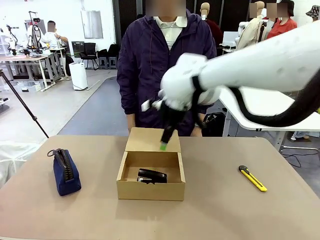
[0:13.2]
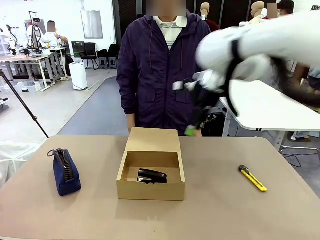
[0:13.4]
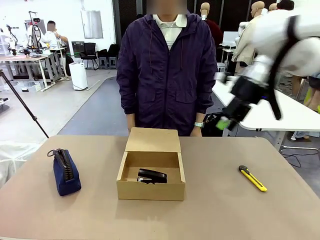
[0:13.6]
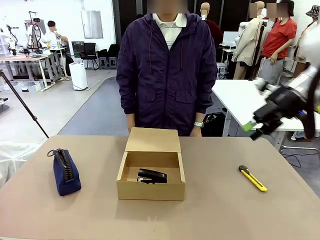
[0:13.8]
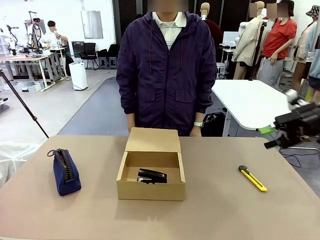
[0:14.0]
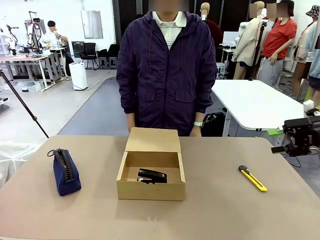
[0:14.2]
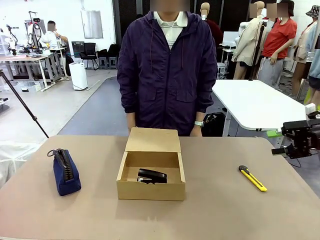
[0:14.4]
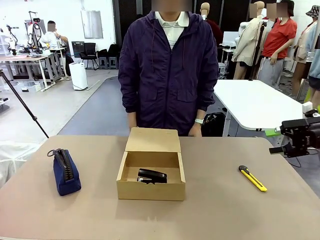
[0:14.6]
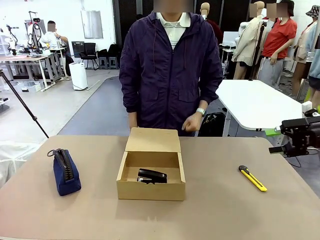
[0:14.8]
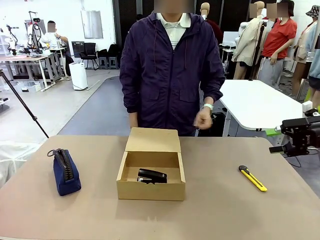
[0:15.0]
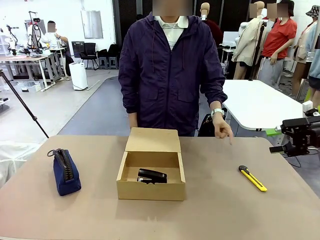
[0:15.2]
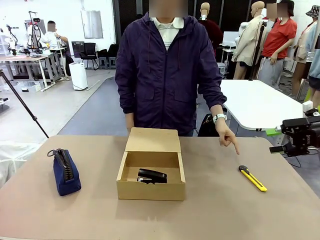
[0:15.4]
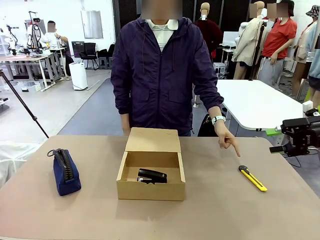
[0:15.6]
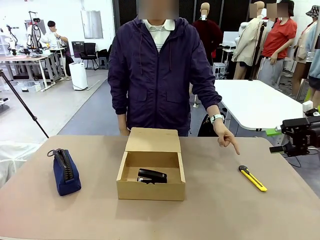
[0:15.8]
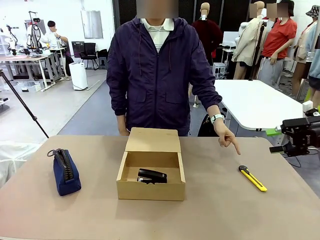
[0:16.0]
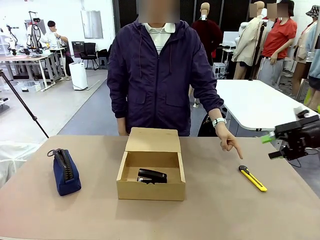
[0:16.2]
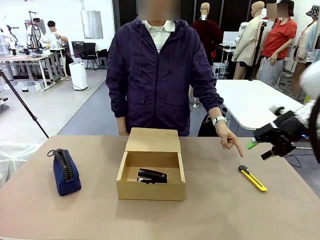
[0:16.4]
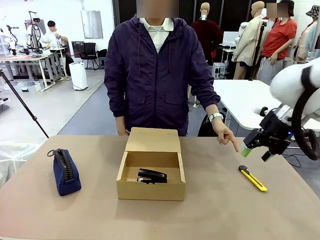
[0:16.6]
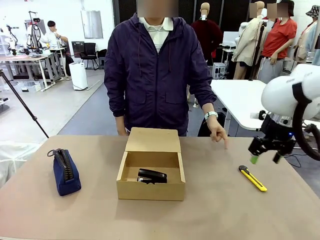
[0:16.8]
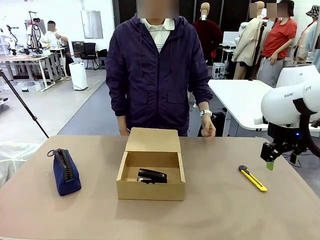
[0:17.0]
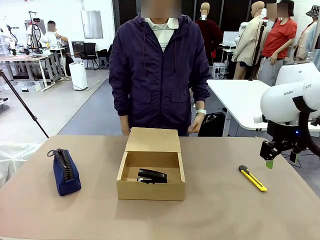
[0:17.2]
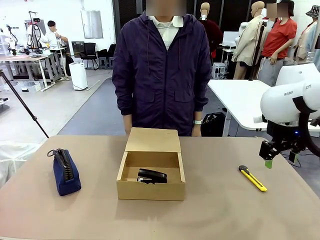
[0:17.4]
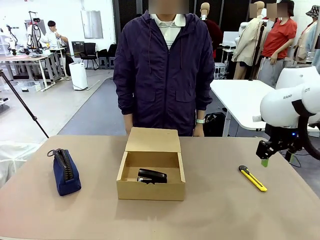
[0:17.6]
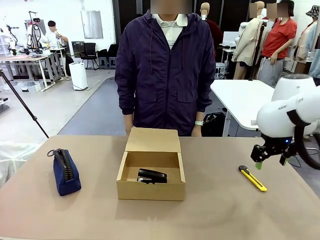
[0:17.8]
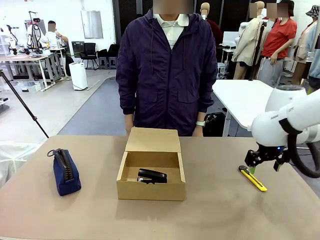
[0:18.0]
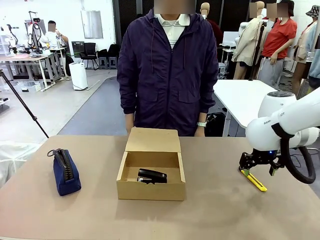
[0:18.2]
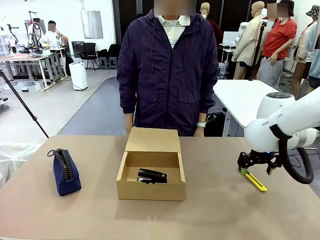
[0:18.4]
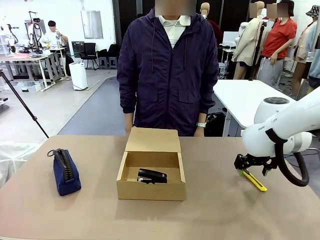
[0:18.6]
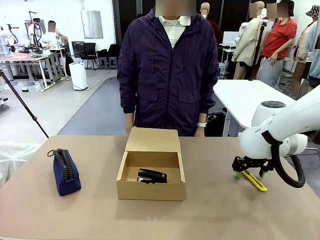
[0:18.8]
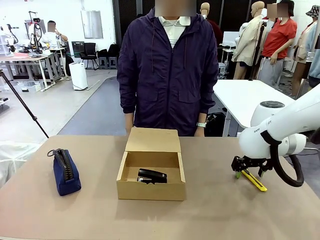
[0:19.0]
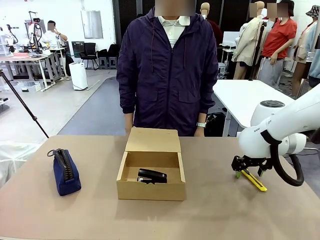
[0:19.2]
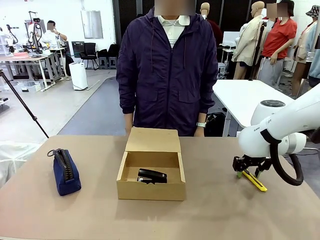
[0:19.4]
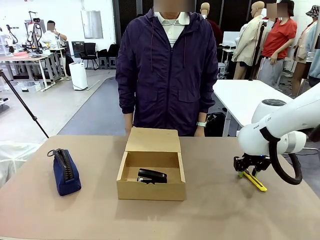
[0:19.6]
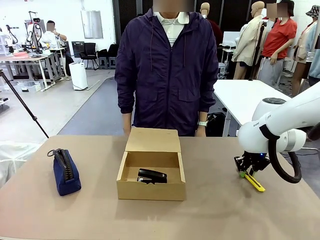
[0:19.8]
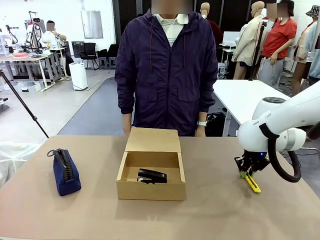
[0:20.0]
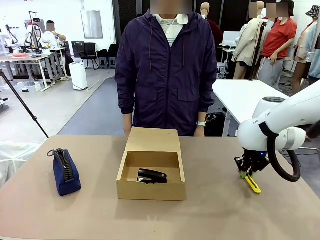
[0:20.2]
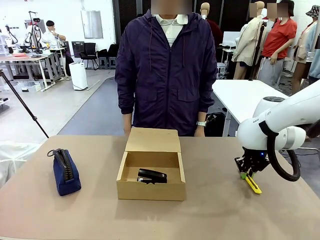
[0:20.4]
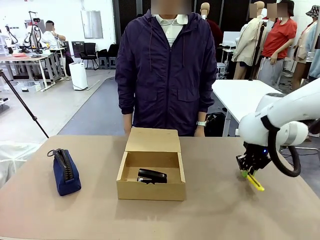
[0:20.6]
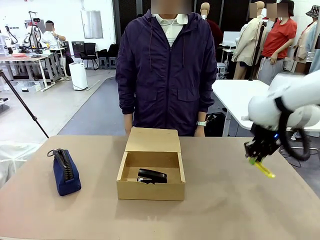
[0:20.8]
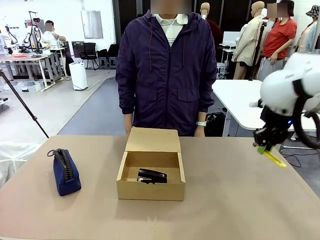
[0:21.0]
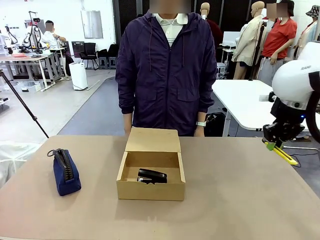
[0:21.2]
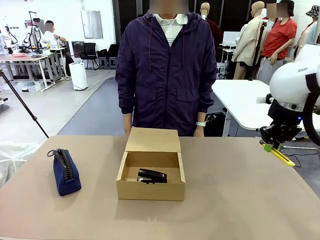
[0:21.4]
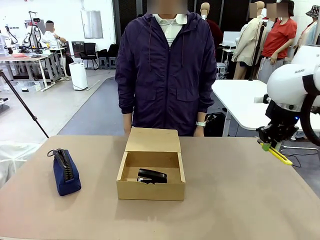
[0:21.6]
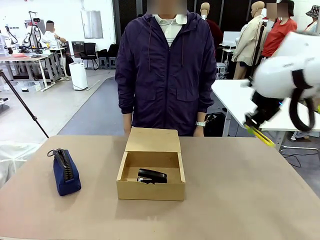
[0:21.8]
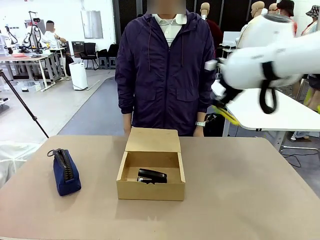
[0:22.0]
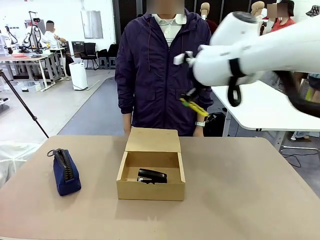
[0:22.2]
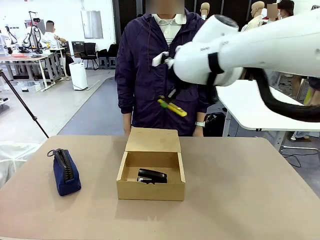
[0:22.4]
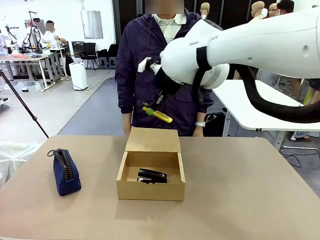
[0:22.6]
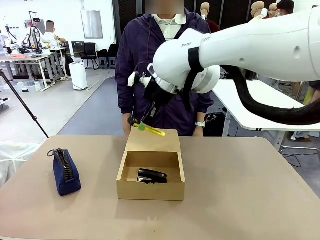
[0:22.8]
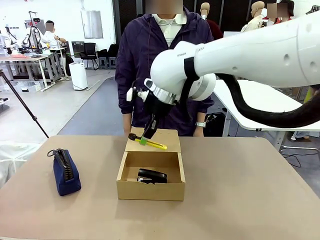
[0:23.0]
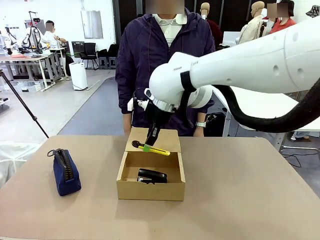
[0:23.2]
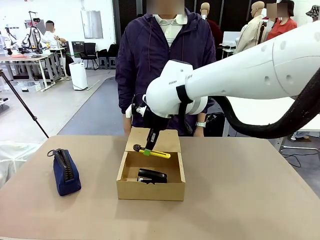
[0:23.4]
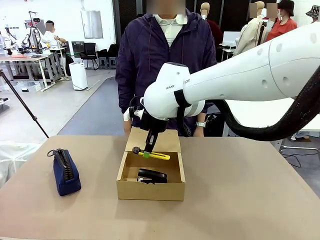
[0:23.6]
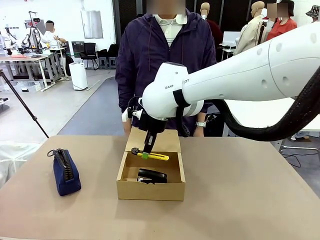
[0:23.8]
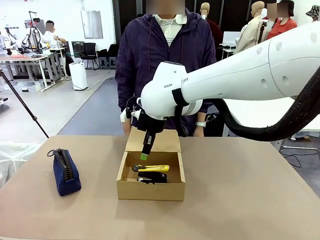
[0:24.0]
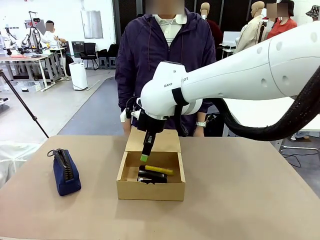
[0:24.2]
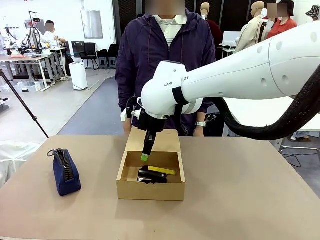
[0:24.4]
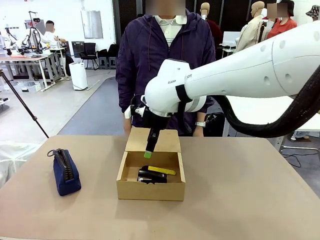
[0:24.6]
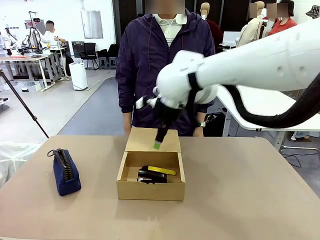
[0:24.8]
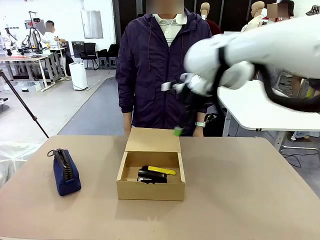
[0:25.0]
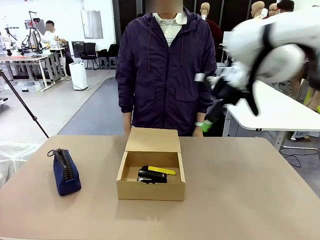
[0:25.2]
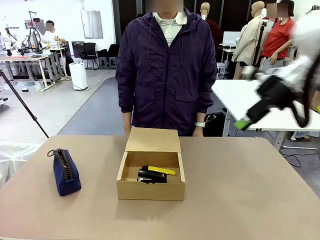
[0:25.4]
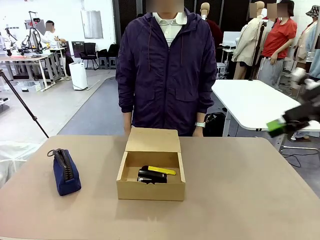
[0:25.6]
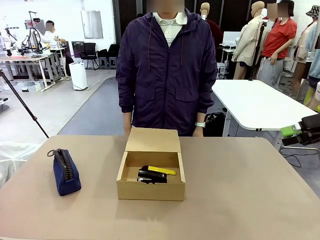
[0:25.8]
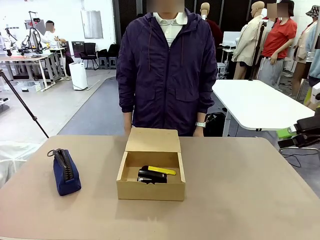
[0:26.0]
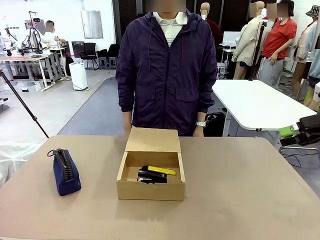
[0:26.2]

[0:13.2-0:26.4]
Task: Pack the items into the box.
Robot: Pick up the item specified by the human and place it in the Mailer Box.
Person: Lower both hands vertically with palms facing downward, as if pressing something closed.

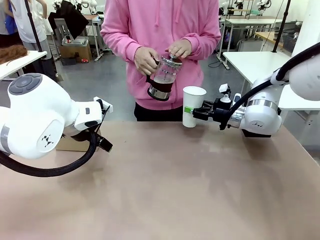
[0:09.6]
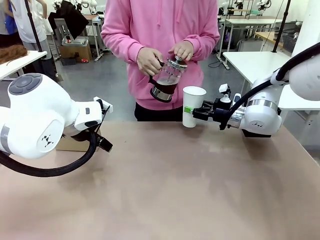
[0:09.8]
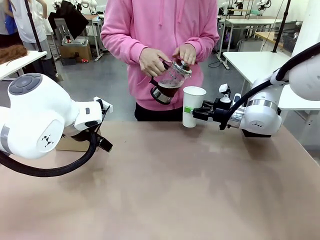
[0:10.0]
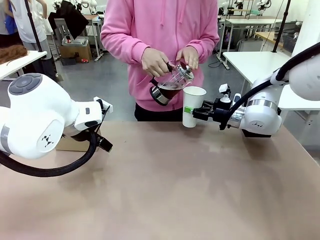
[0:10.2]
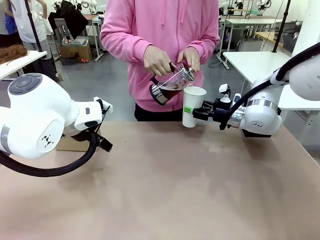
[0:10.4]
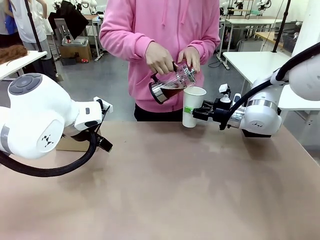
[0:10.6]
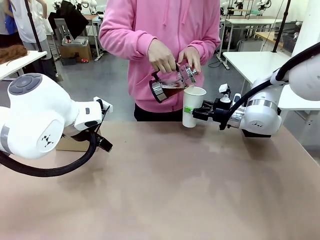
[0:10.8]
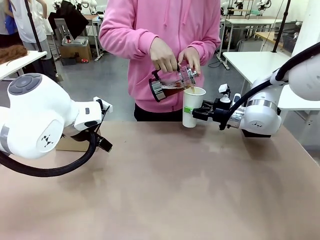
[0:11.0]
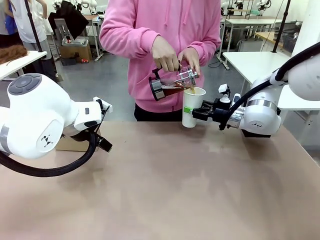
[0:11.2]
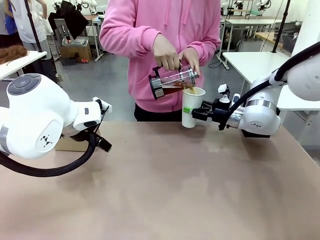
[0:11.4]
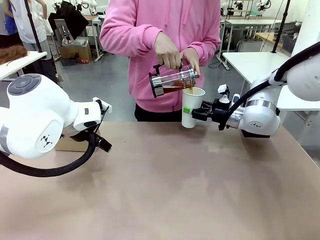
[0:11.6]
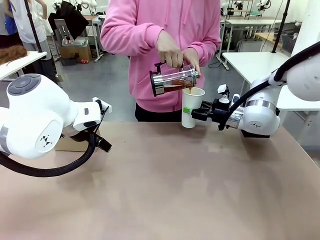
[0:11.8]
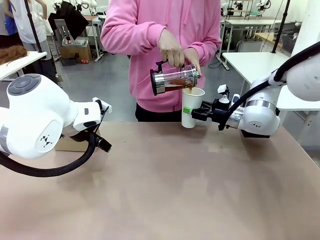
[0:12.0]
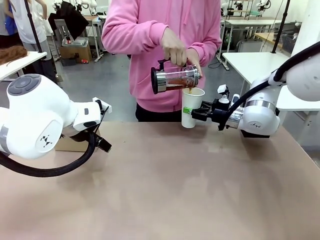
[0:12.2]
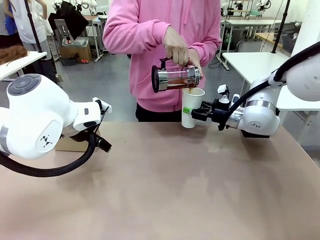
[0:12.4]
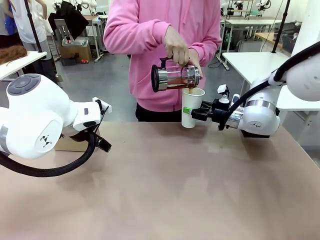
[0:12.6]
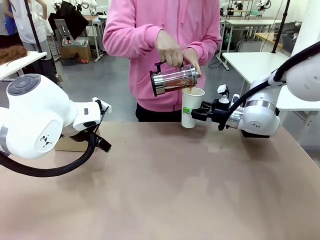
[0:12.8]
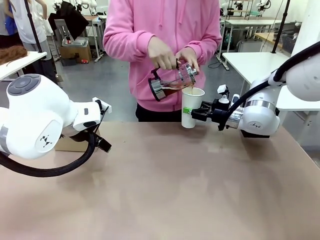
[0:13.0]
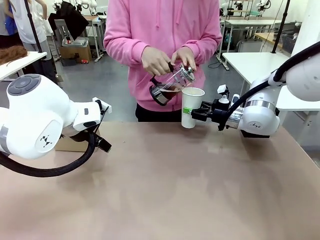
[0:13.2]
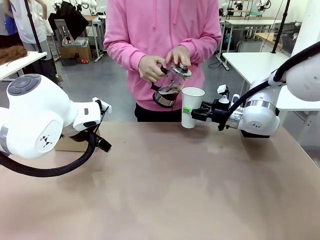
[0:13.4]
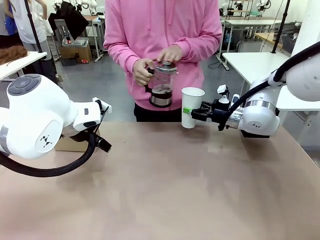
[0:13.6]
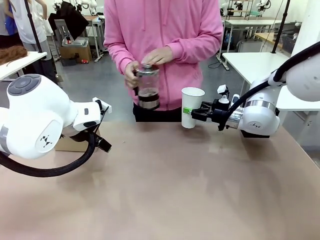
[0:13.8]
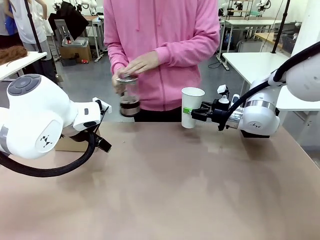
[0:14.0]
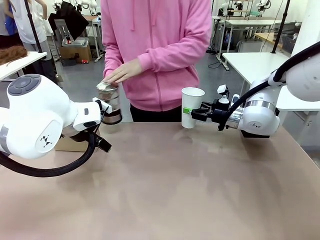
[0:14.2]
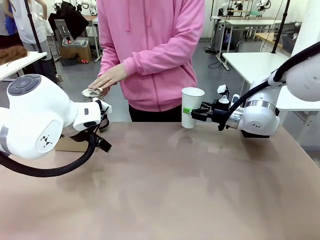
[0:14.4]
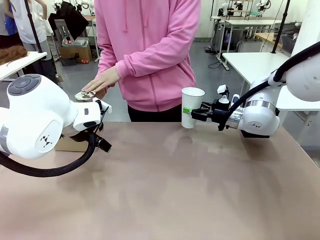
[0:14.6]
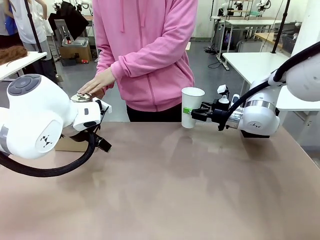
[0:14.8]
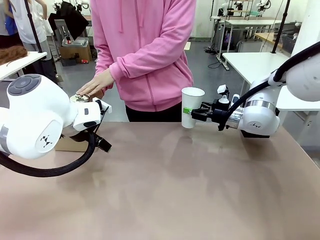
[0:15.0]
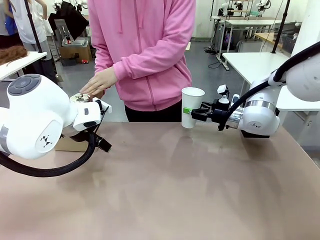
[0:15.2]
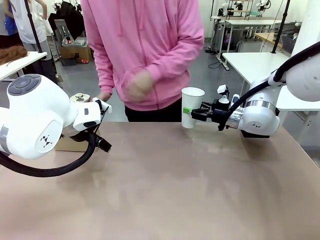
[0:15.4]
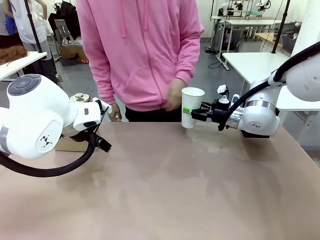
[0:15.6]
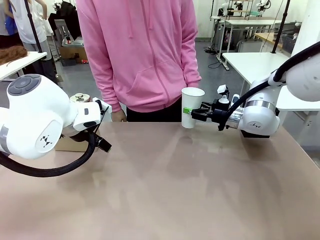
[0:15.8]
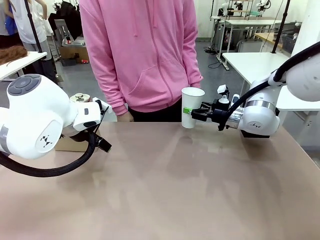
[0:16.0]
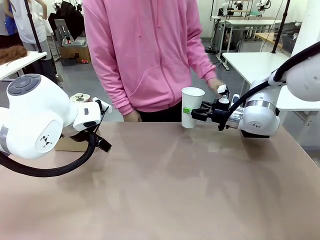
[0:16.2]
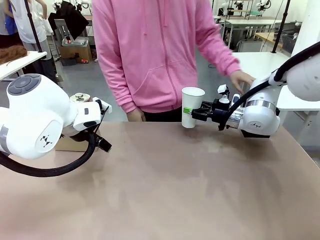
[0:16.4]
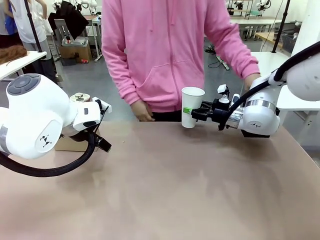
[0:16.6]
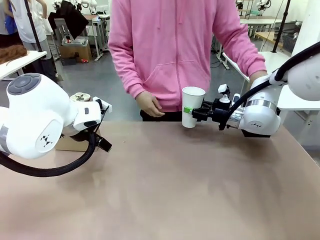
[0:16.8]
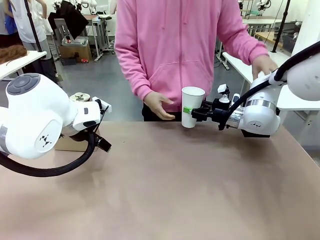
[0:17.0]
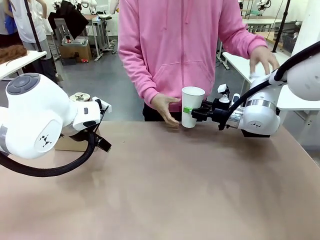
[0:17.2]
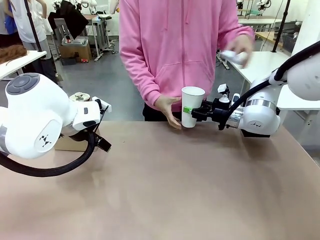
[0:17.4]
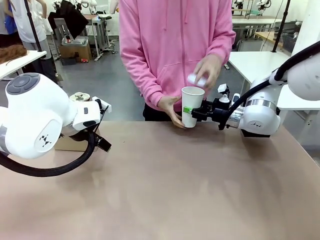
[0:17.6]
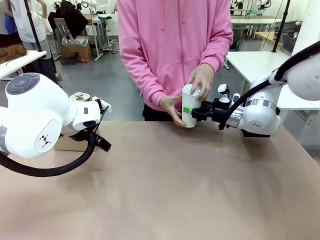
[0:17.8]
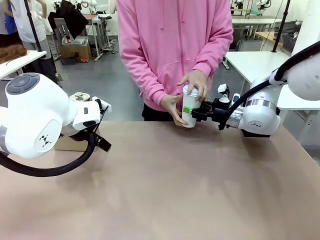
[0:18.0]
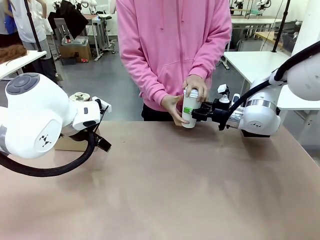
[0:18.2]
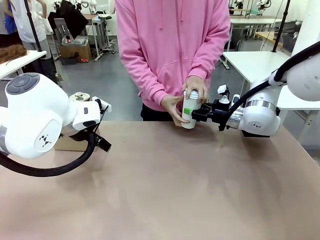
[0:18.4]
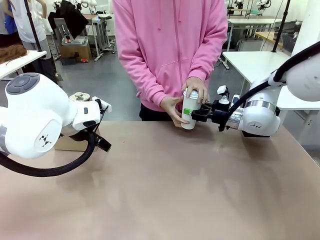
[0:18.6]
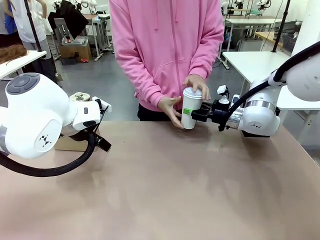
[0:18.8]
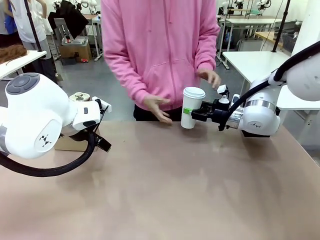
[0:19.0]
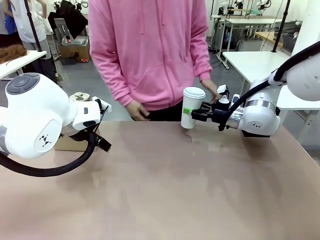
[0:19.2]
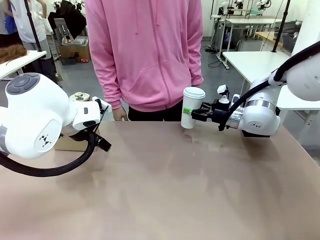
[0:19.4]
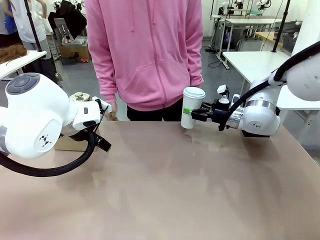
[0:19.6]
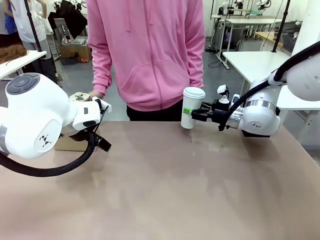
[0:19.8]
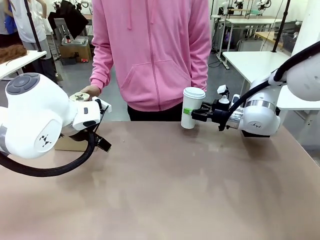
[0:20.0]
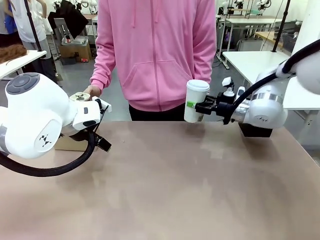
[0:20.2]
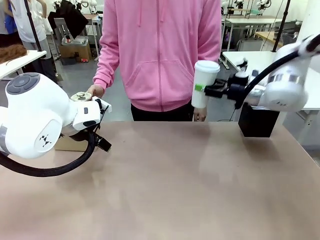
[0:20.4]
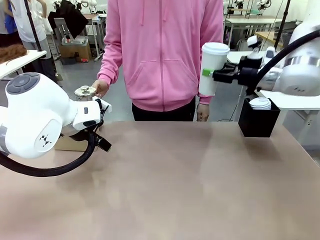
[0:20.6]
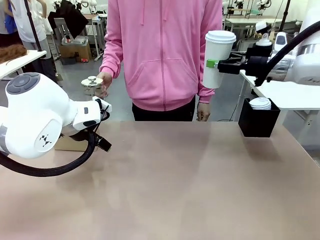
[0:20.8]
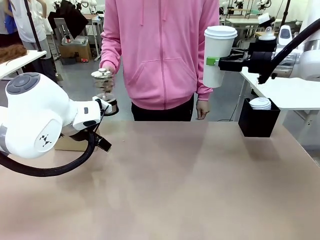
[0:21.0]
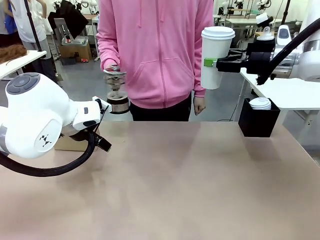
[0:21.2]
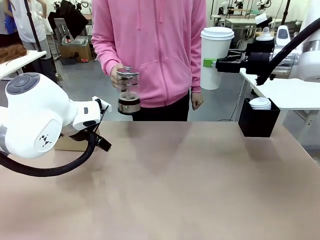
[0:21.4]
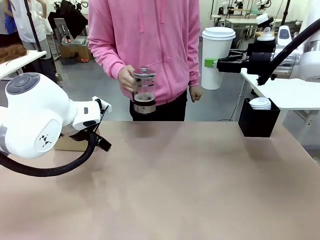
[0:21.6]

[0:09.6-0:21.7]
Task: Pour a drink into a cup and package it in a carrier.
Robot: When a person places the Paper Cup Lid on the 600 ml Paper Cup , lift the 600 ml Paper Cup.
Person: Pour the drink from the Filter Brewing into the 600 ml Paper Cup. Place a Paper Cup Lid on the 600 ml Paper Cup.
